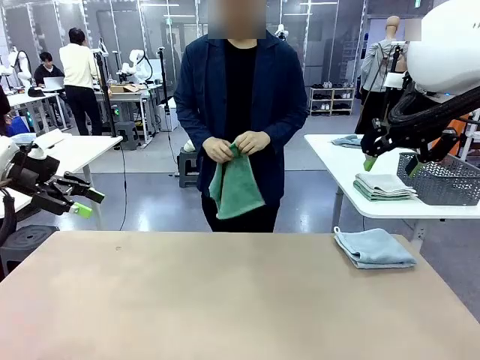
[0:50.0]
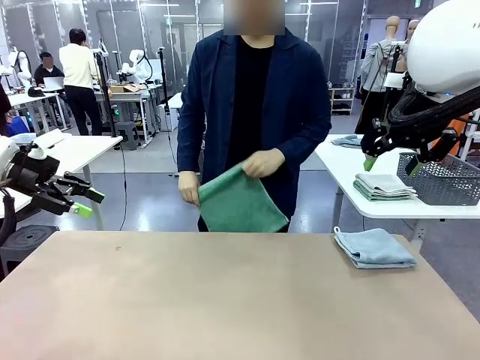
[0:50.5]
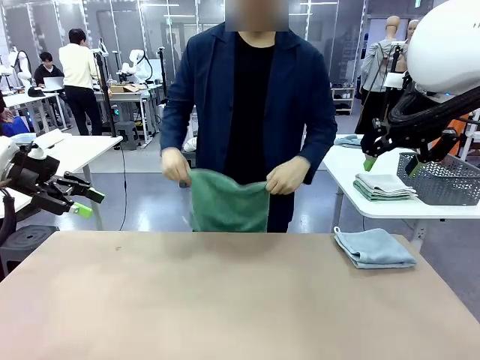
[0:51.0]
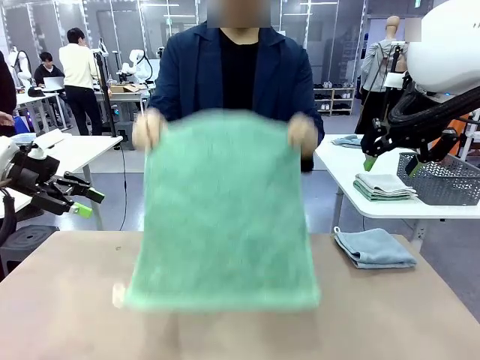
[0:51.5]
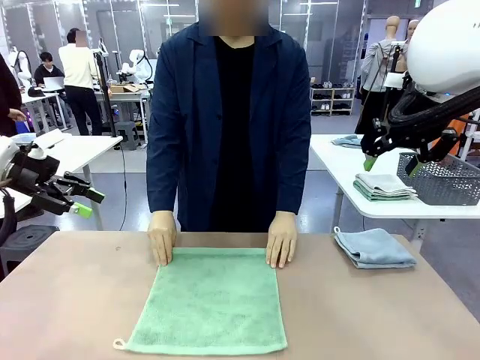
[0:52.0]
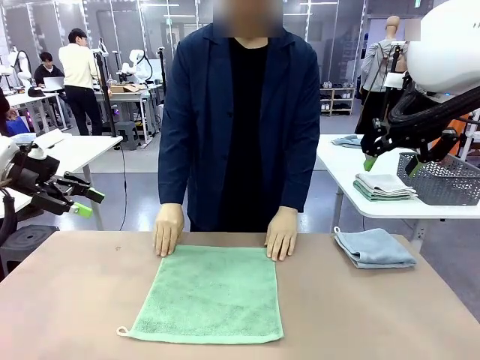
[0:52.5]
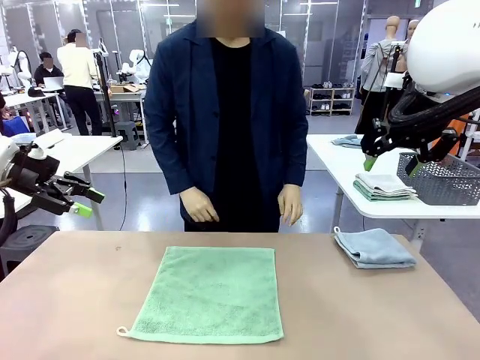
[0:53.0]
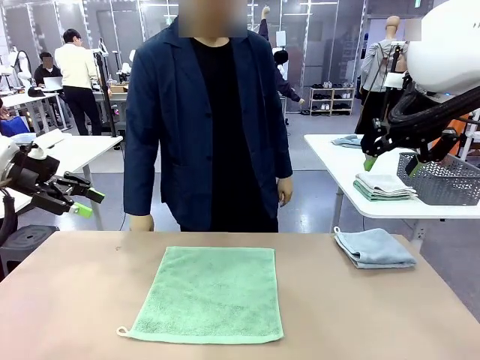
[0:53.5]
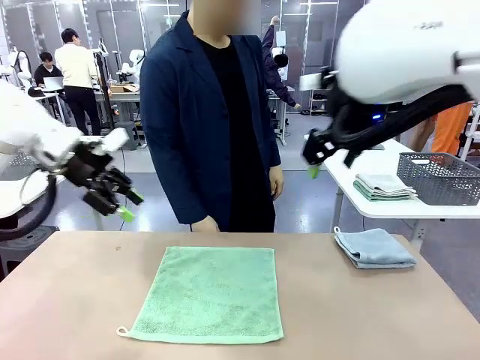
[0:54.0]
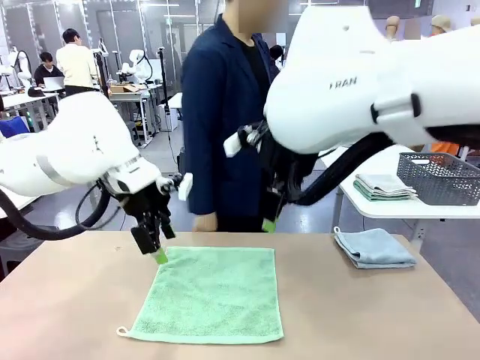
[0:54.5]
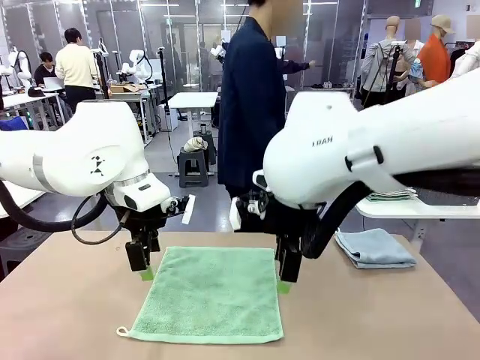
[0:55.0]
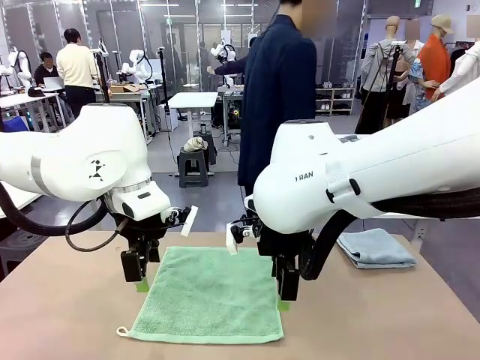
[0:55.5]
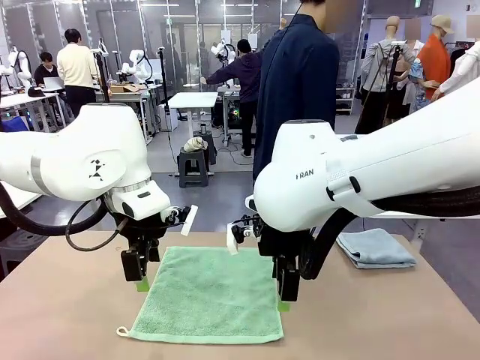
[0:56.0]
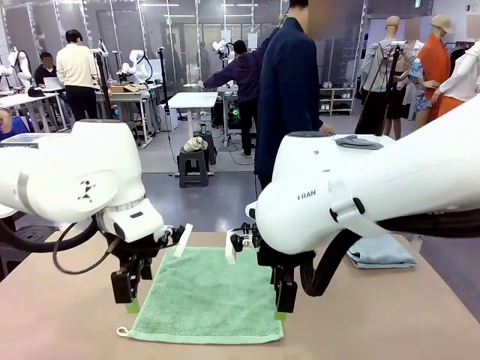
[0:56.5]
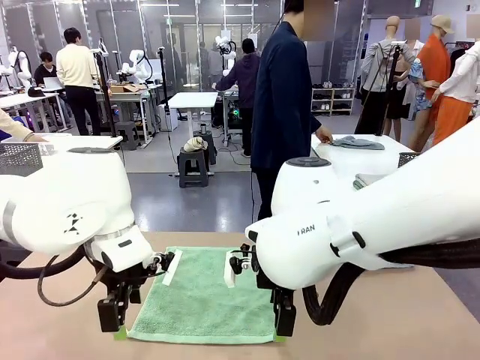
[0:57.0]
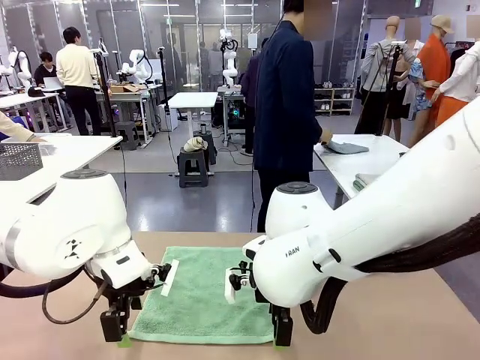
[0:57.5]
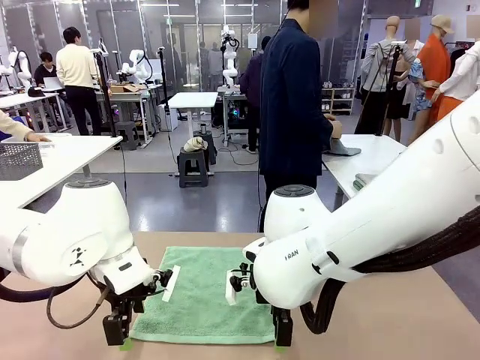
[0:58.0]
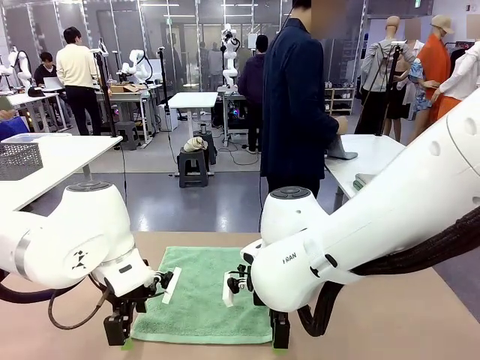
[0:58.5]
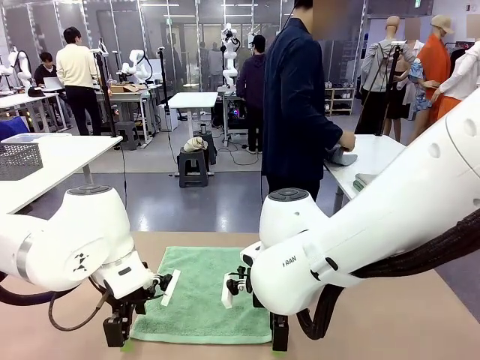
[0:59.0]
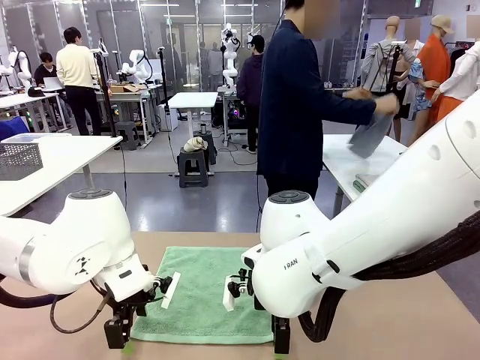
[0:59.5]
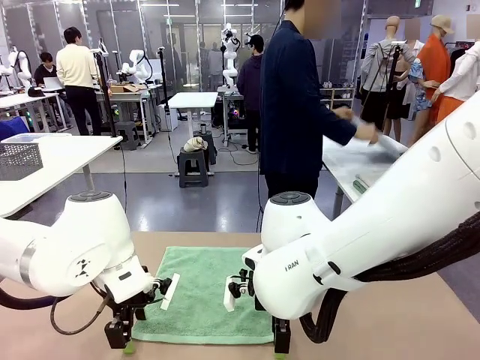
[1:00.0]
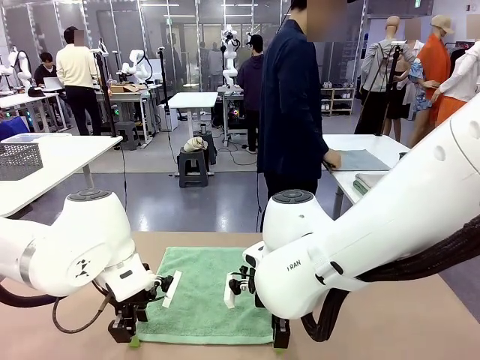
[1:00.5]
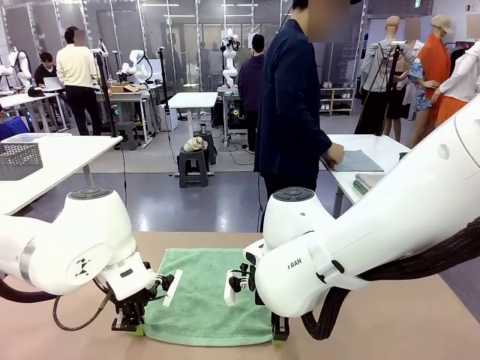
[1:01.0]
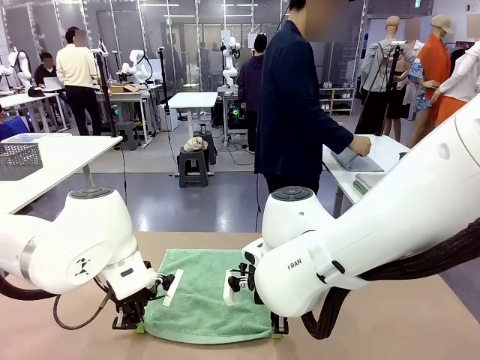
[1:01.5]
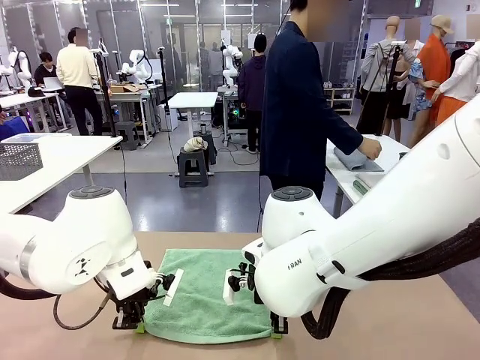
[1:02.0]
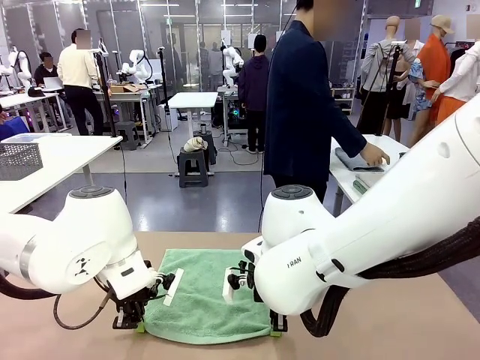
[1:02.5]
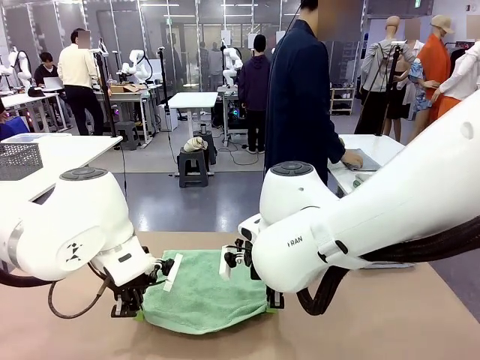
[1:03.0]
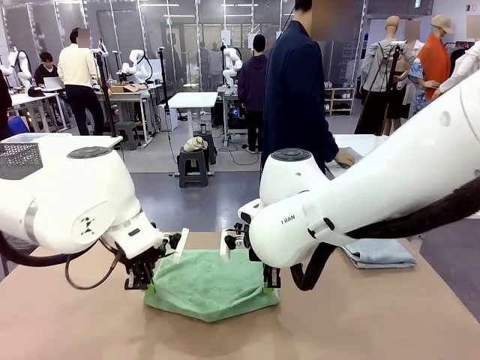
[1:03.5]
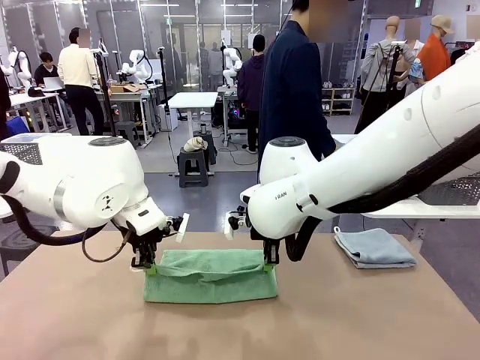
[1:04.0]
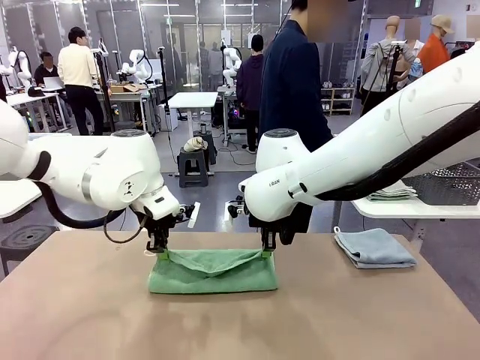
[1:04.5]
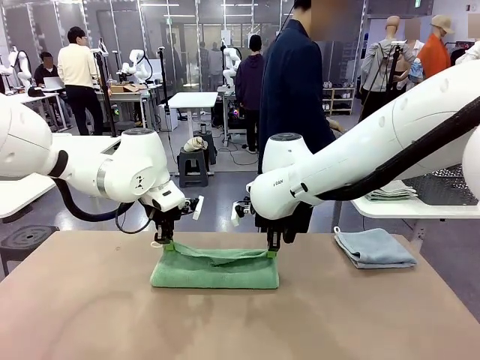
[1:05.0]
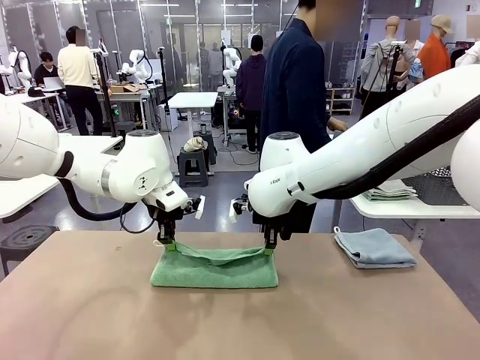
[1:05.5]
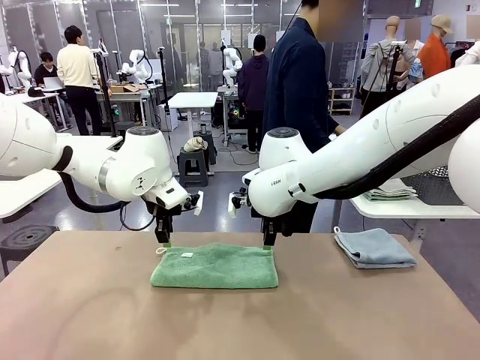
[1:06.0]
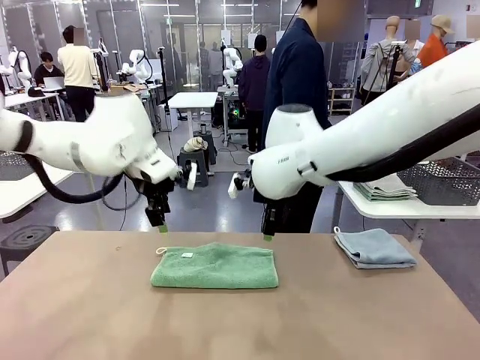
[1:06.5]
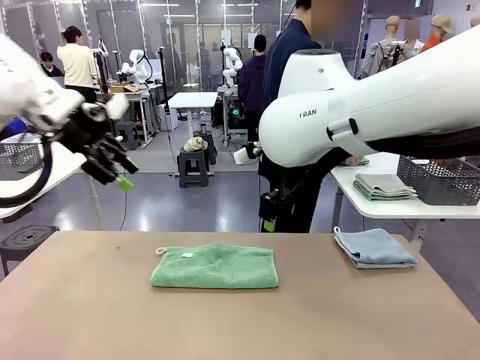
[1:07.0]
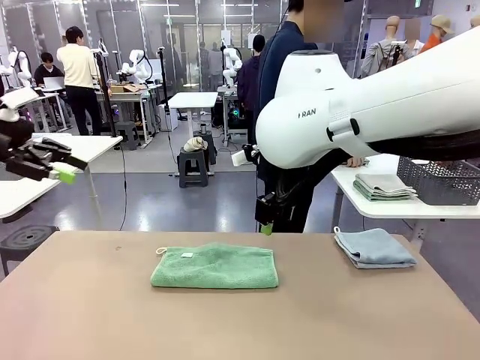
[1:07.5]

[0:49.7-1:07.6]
Task: Fold the towels and place them in the basket.
Robot: When a person lays out a Towel with hook on the table, fold it in half twice.
Person: Pick up one towel from the left side of the human table, fold it in half twice, and stack it on the right side of the table.
